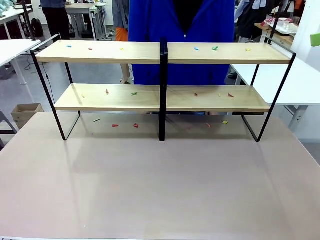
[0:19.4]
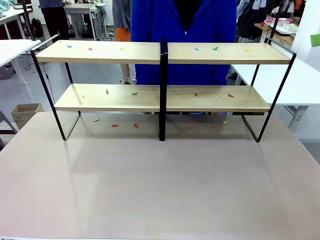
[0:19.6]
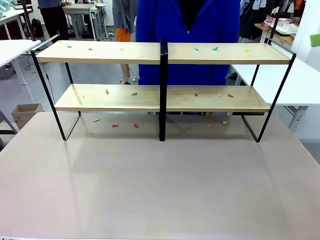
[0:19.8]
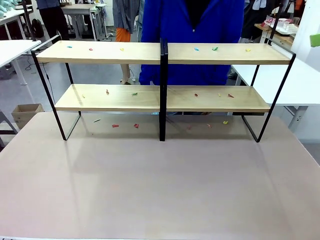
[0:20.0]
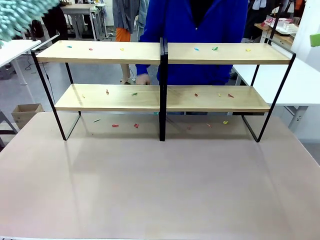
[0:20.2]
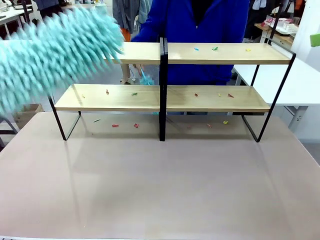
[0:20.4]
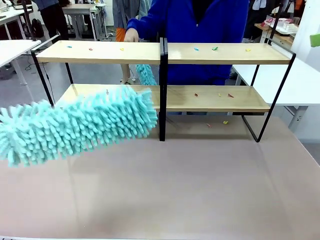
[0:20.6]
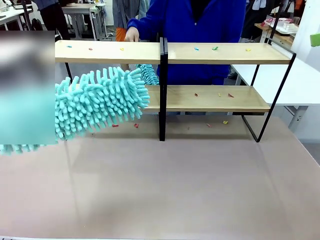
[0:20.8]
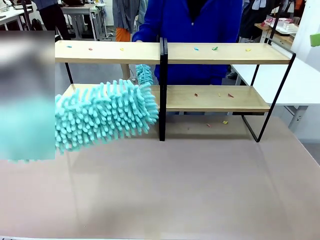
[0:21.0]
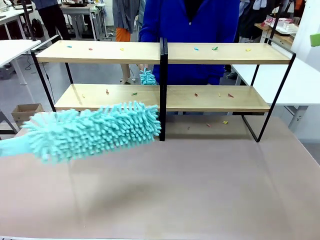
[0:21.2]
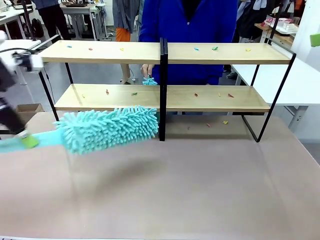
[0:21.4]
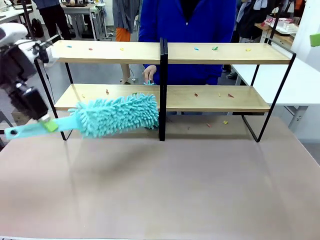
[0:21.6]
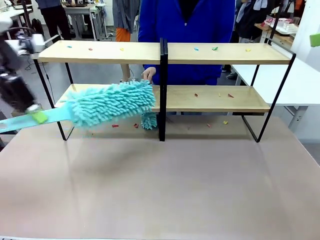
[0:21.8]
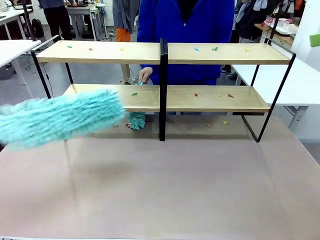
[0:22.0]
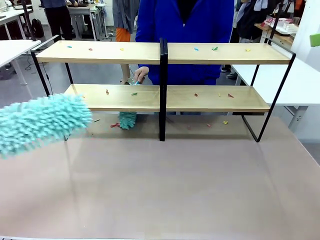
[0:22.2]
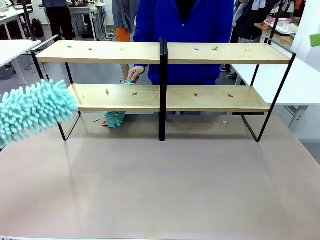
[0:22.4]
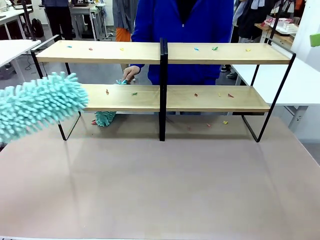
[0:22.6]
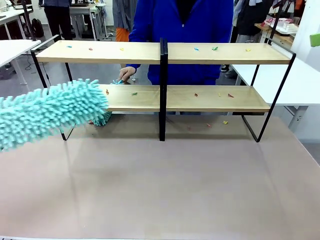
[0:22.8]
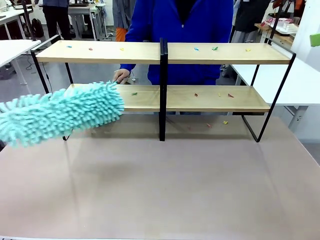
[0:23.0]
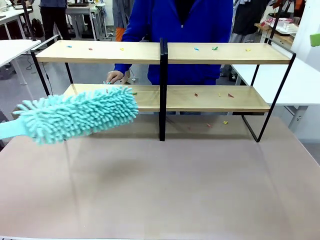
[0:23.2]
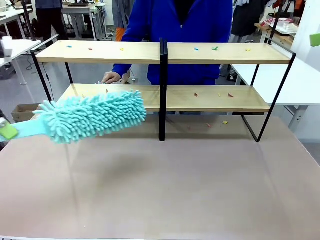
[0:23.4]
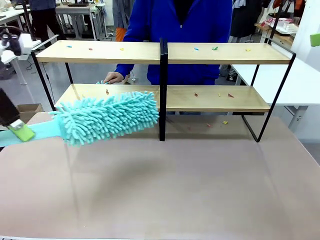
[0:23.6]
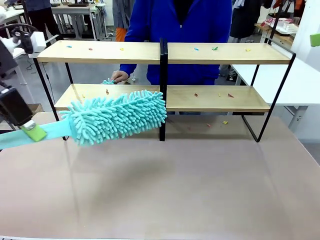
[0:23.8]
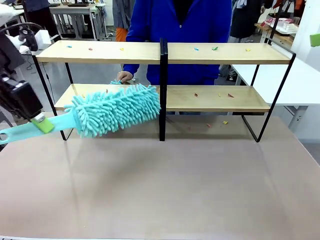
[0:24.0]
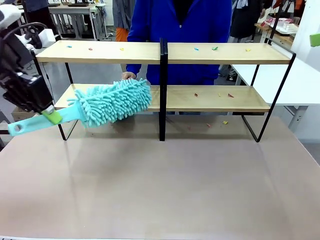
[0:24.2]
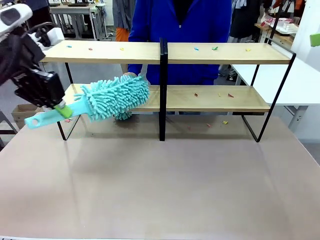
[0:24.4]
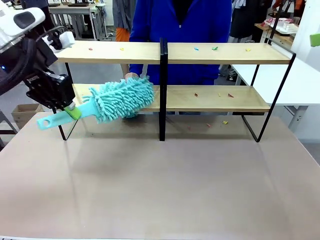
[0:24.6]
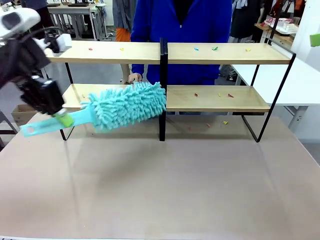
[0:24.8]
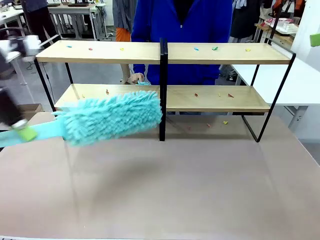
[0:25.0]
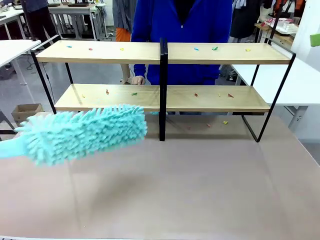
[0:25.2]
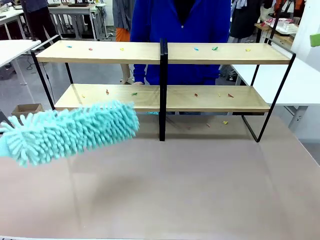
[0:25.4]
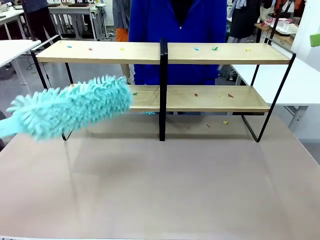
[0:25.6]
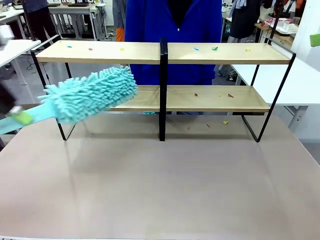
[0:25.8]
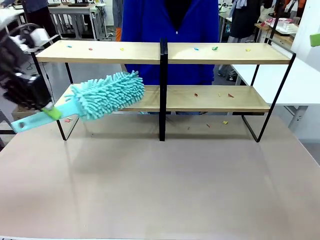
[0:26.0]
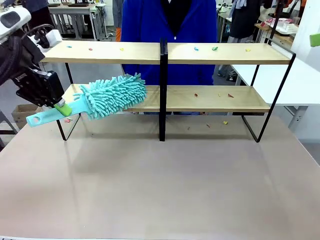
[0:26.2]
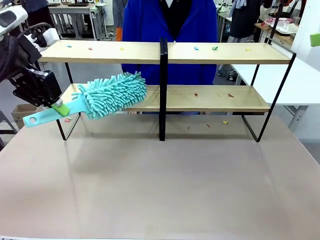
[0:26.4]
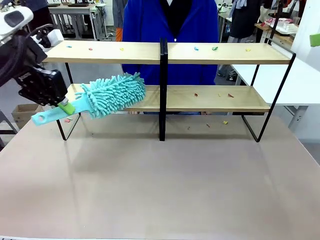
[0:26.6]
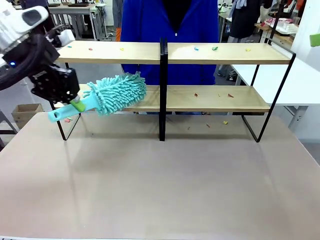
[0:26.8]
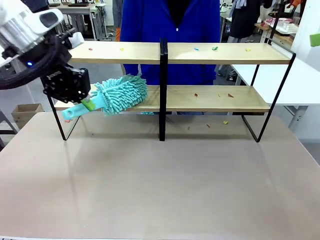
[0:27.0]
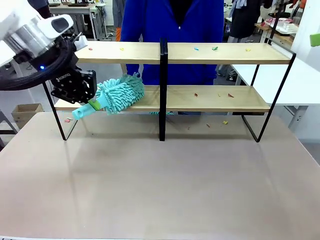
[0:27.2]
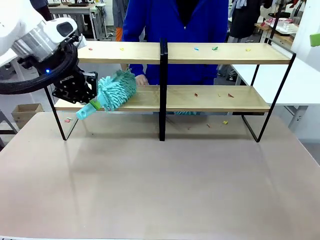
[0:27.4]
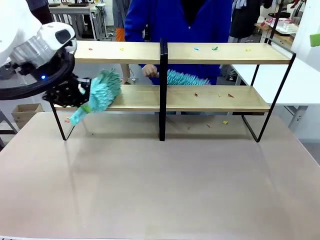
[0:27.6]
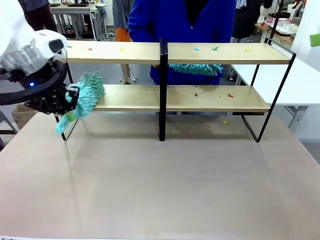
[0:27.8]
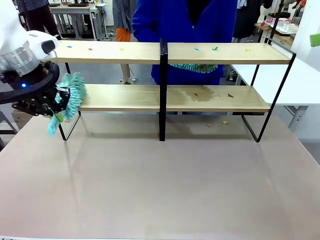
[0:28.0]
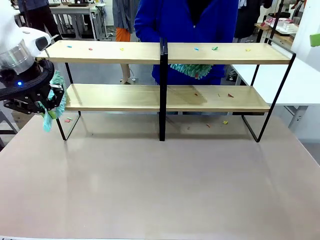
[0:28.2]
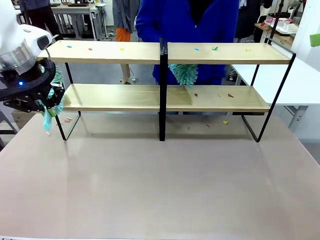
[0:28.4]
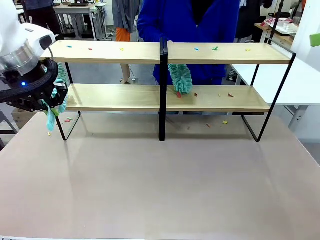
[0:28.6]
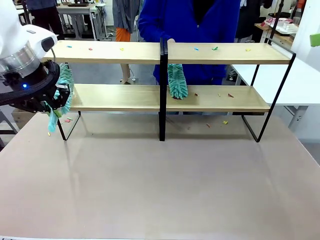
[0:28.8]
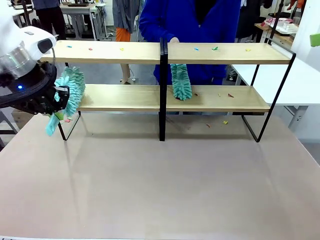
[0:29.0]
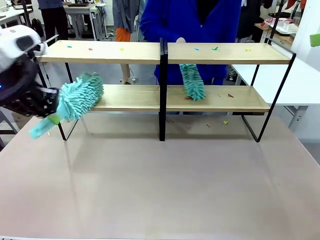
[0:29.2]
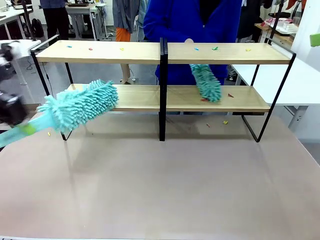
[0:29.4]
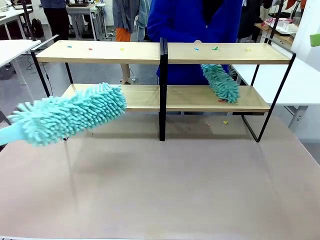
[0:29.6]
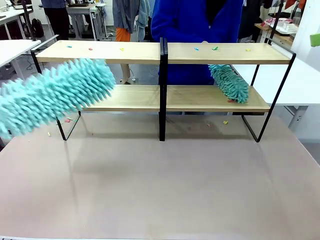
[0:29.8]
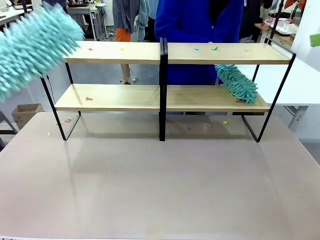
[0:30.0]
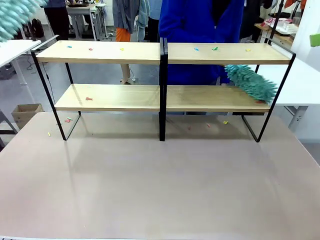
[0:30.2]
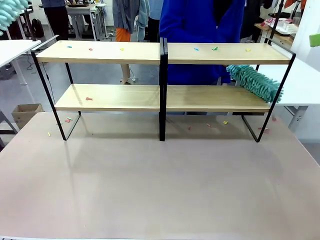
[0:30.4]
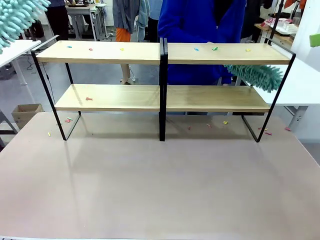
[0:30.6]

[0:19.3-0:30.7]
Task: Clean the shelves.
Robot: Clean a randomly selected level of the Shelf with the Duster.

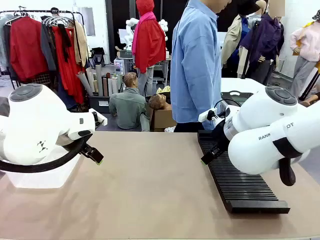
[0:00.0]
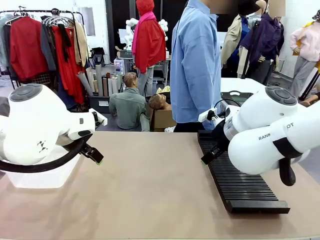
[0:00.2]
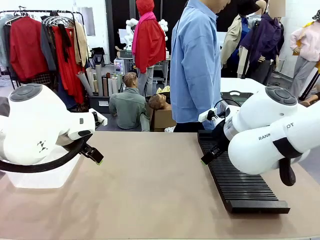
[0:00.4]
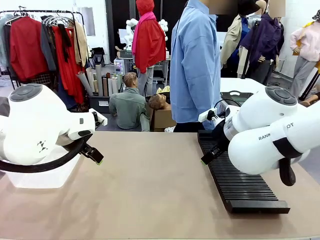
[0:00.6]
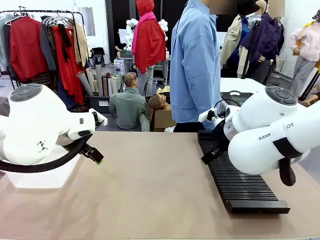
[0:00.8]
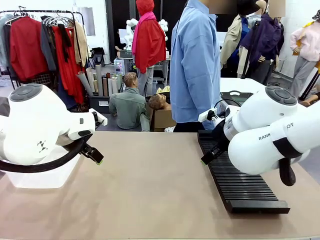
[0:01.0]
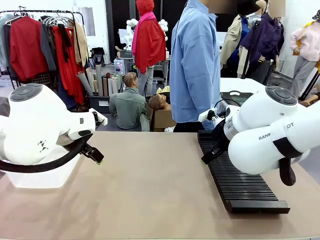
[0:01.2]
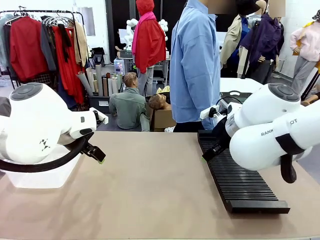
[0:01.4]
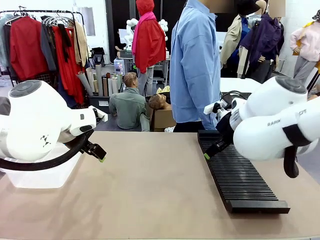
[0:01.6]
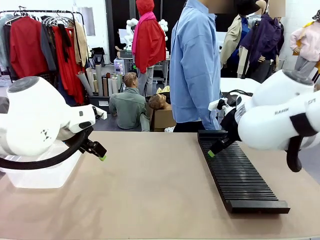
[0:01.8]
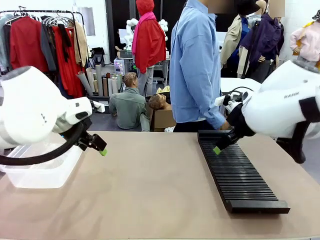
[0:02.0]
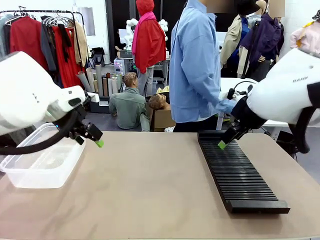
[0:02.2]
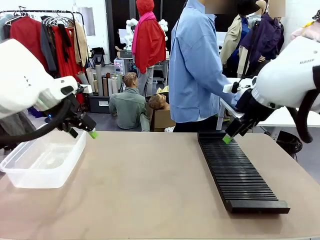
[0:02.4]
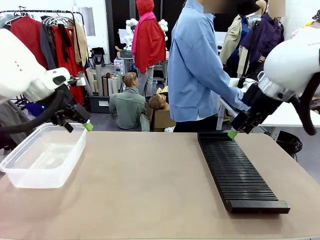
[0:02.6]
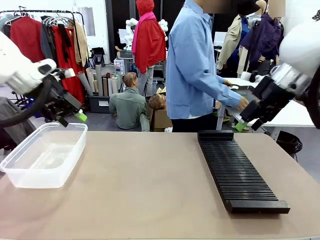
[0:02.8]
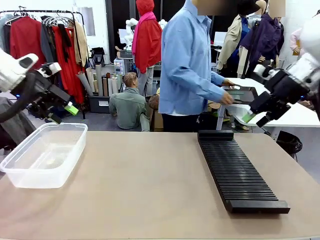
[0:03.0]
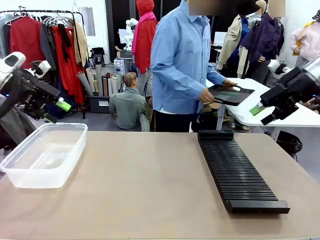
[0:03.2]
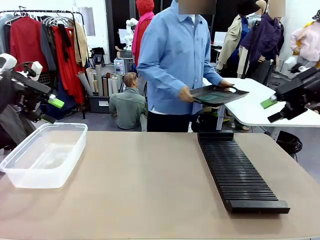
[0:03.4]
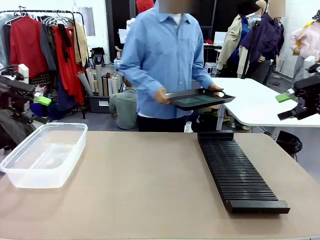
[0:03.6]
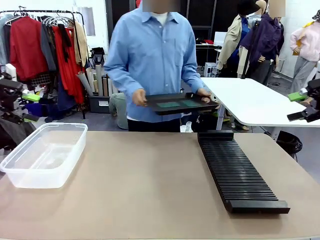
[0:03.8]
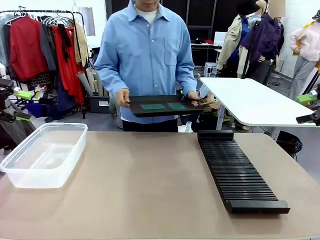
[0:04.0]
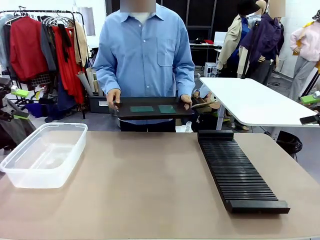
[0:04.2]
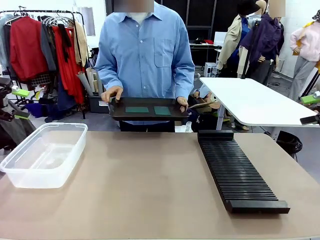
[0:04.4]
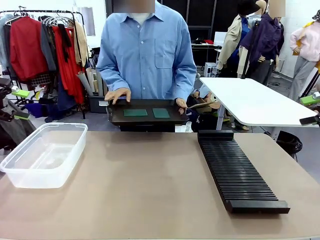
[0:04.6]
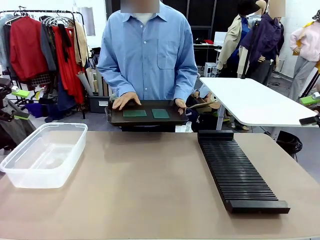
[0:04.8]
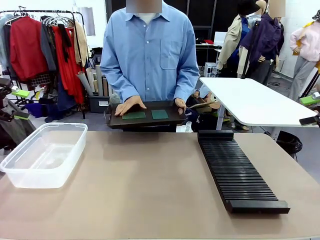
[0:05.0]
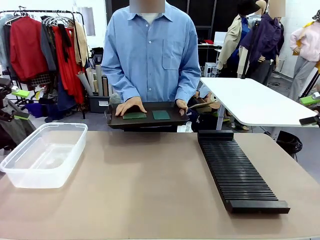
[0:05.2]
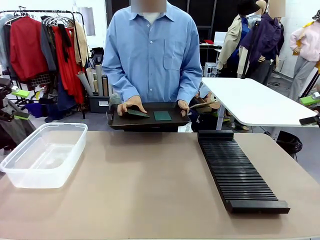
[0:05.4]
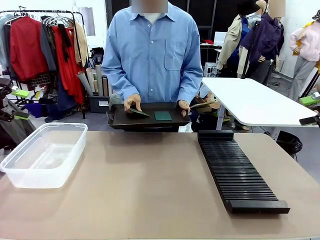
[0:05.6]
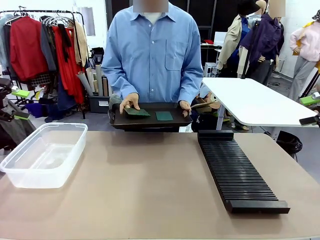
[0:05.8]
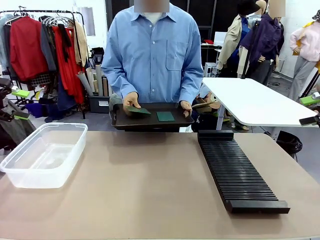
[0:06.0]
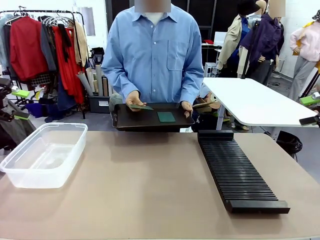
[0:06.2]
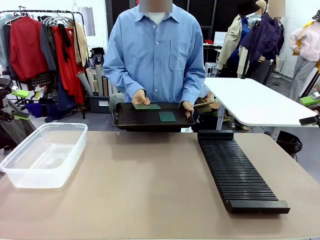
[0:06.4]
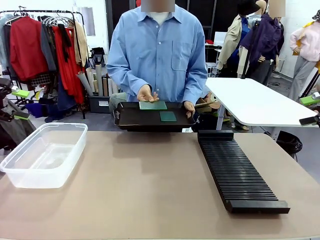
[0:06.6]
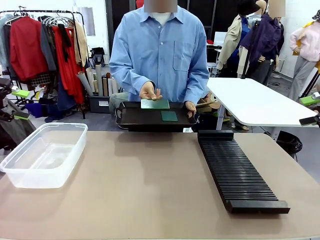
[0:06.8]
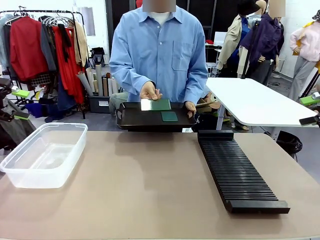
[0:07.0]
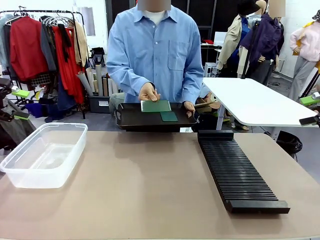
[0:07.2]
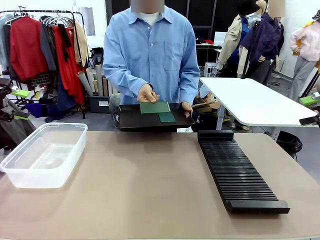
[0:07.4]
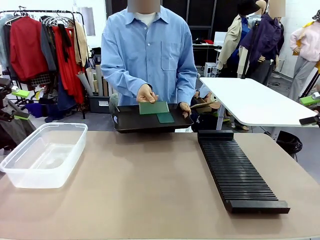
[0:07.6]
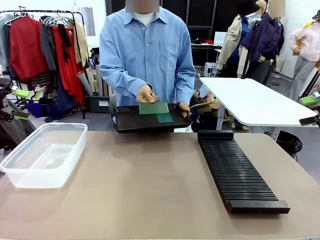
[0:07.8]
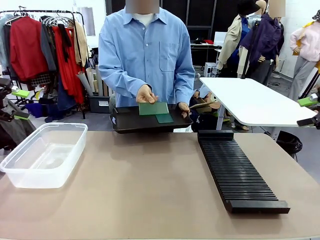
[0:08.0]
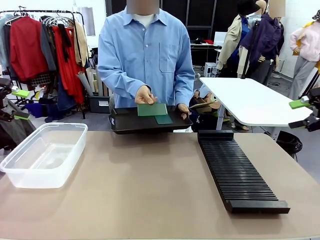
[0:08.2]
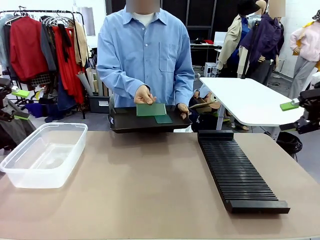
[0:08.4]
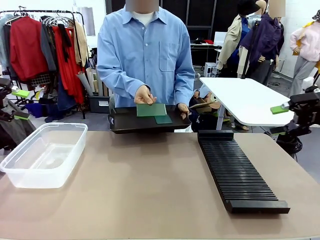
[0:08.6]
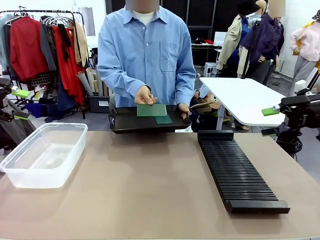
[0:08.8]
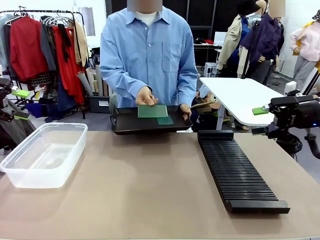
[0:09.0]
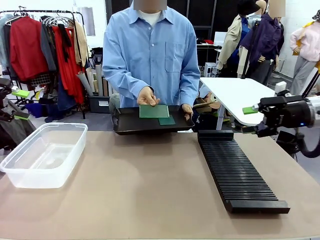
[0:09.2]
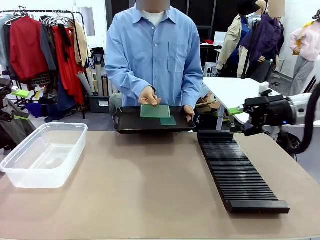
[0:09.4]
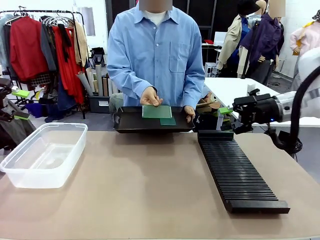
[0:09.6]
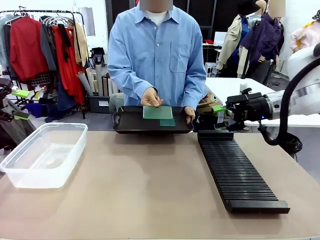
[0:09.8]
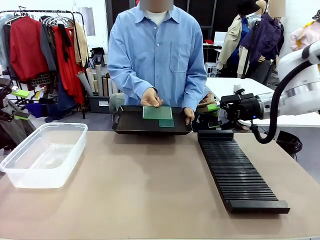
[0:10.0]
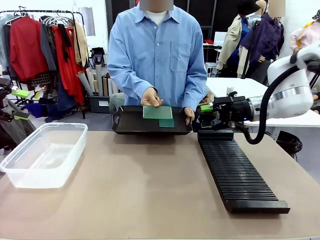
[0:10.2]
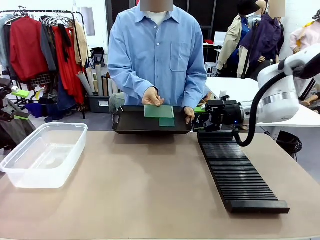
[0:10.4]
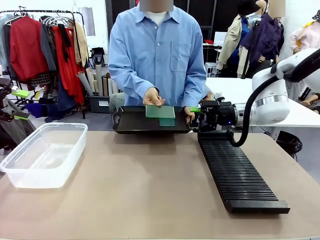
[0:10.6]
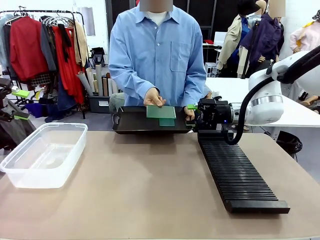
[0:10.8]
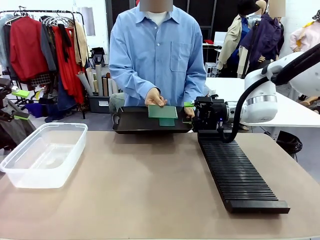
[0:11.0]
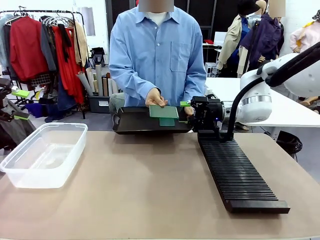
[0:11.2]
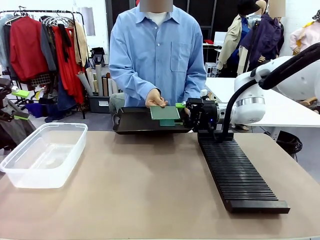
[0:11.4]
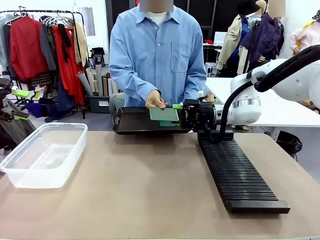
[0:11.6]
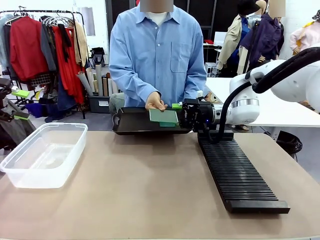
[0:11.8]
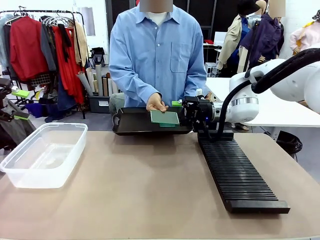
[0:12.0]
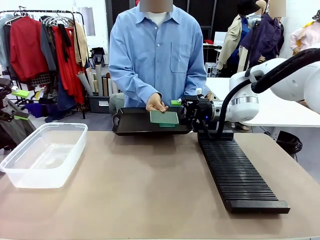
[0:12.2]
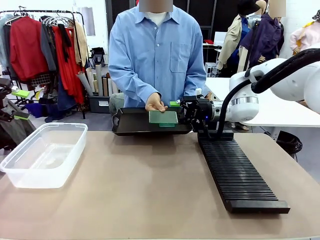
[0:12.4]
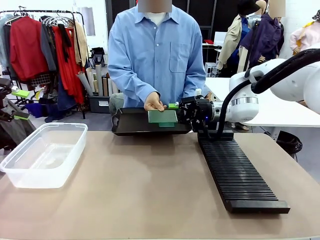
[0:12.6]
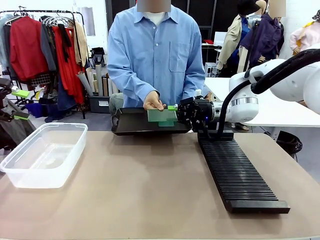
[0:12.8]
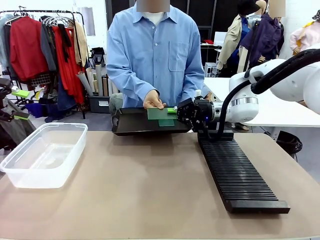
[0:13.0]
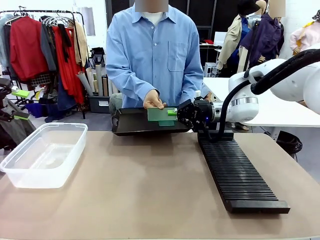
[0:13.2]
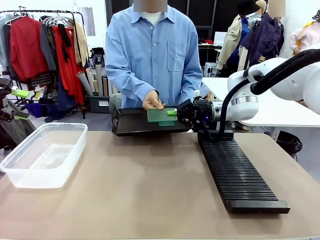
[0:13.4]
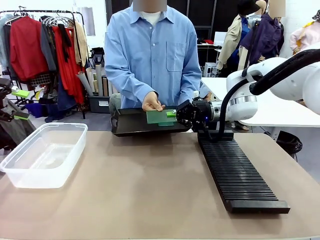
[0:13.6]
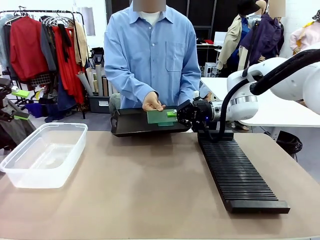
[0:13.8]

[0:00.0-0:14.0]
Task: Sort PCBs into racks and boxes based on the side picked up.
Robot: Pick up the Blank PCB handed by the Human.
Person: Pick one PCB from the tray and present it to the robot. Release the PCB being held.
